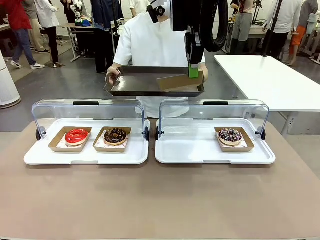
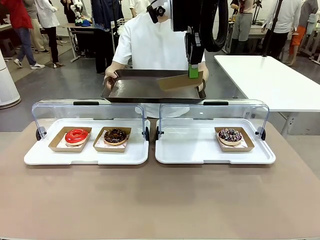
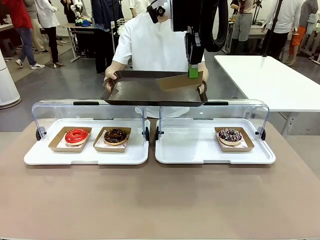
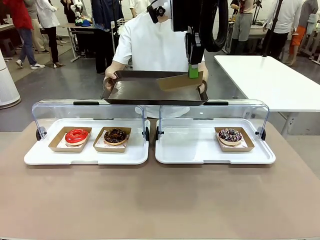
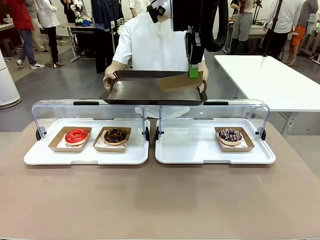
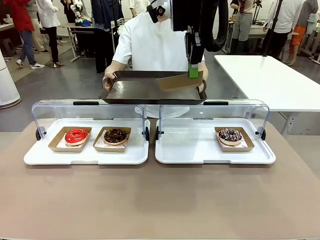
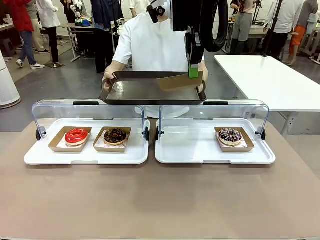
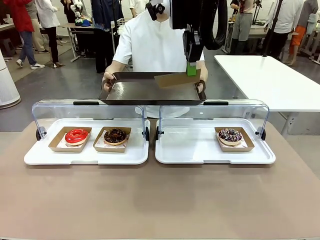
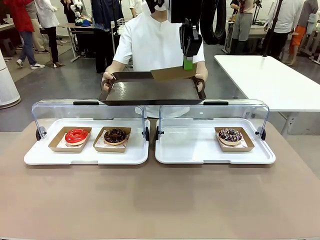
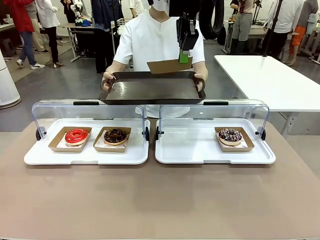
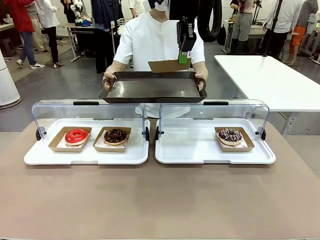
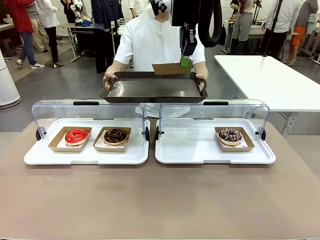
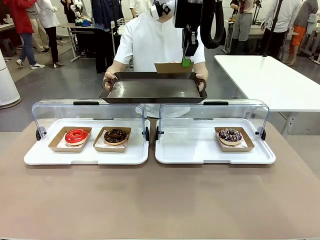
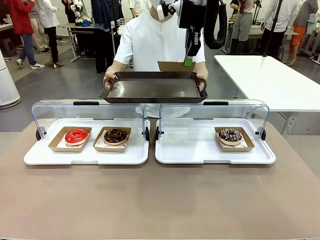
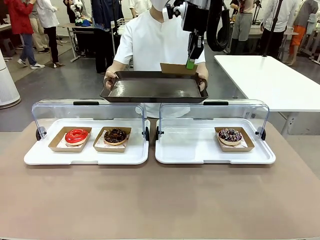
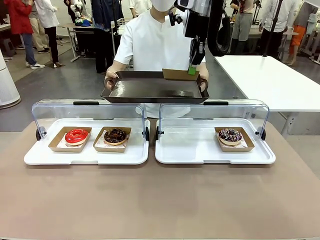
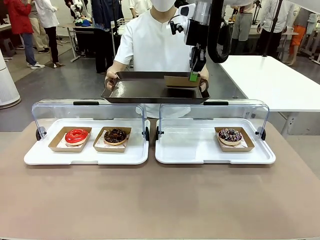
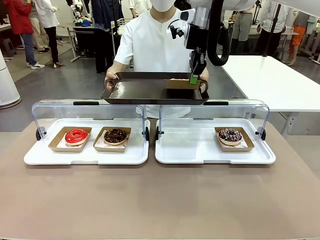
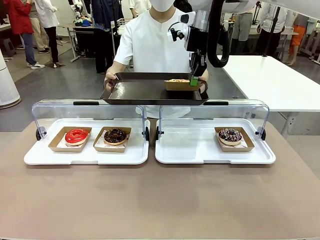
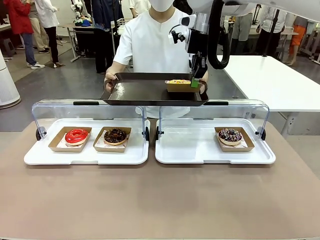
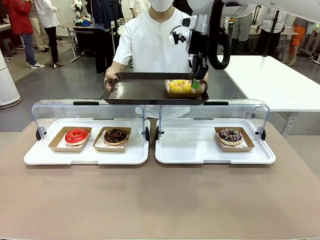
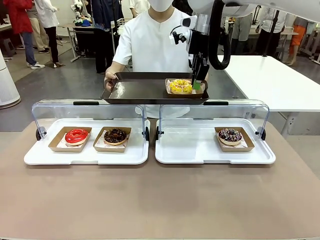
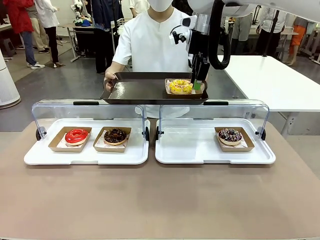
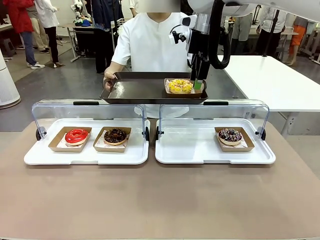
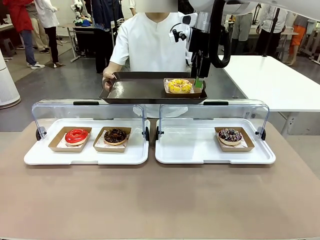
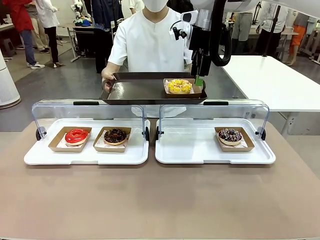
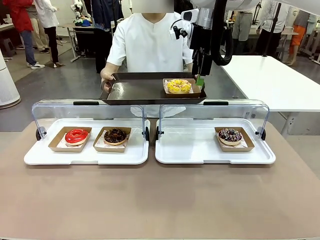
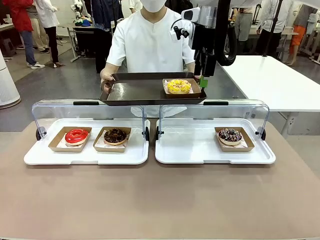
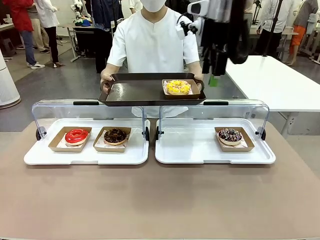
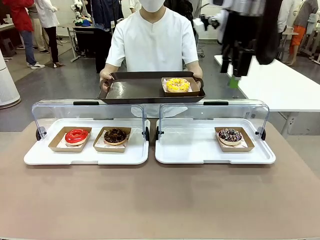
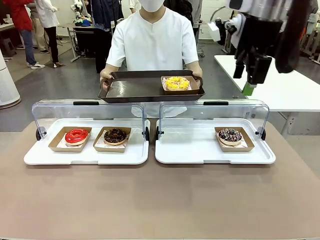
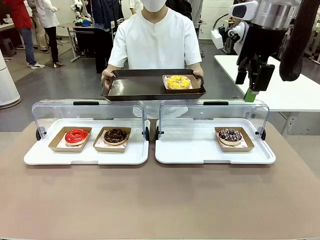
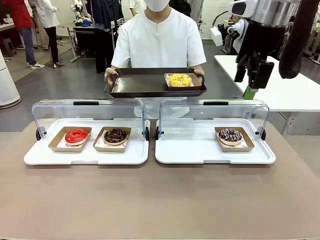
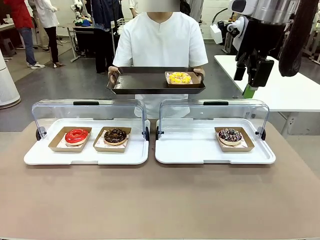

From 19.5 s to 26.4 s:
Task: Provide the desired donut to the person.
Robot: Place the picked Paper togo box onto the Handle tray extended by the person.

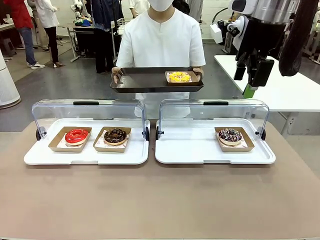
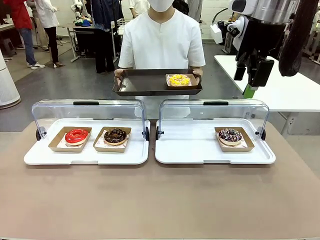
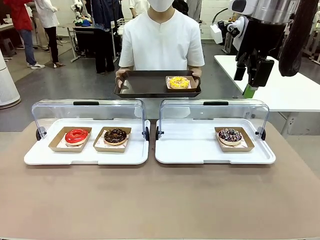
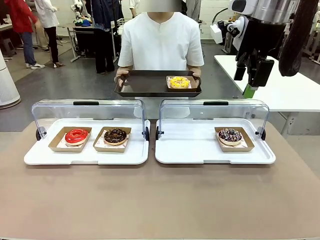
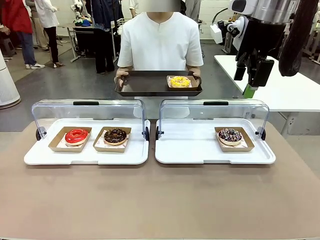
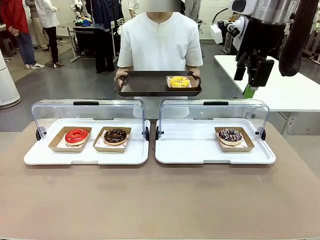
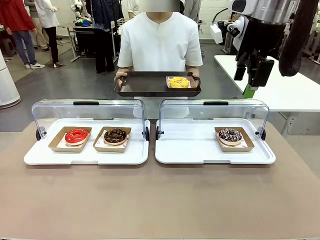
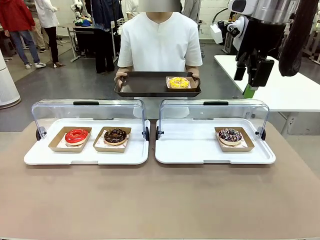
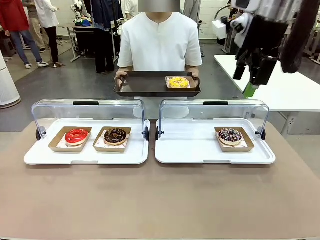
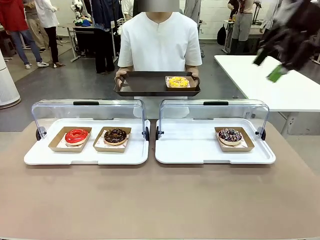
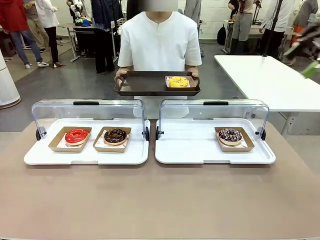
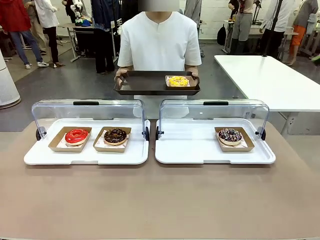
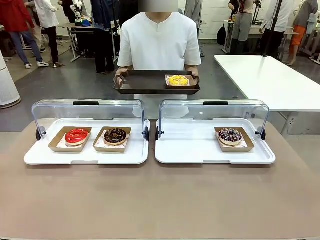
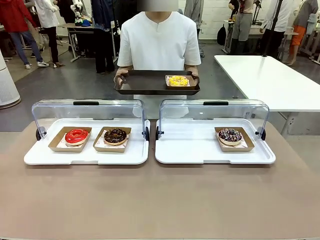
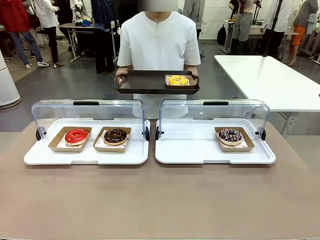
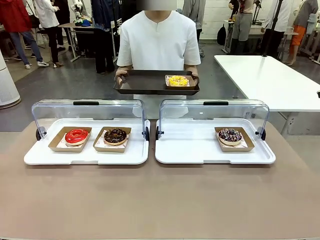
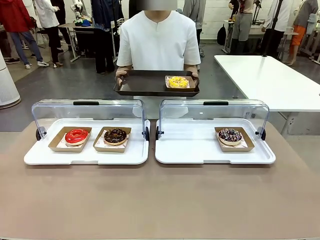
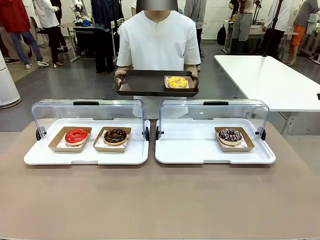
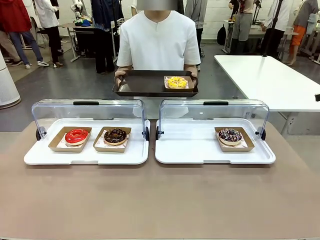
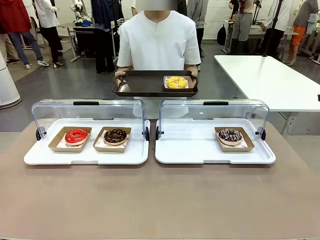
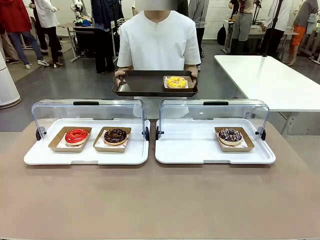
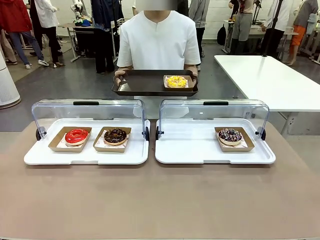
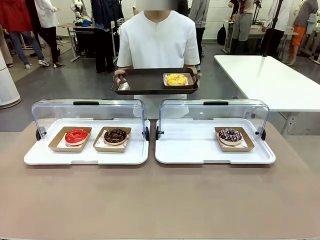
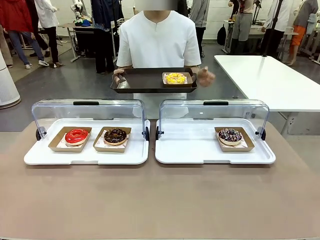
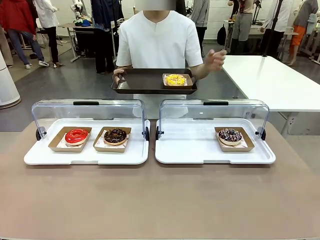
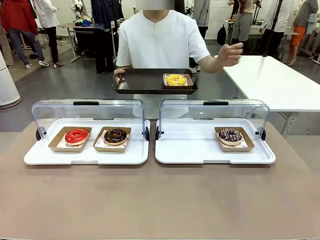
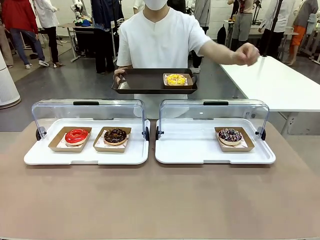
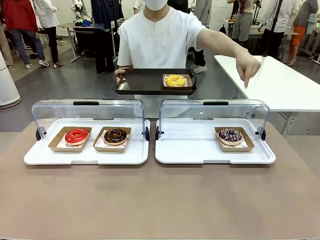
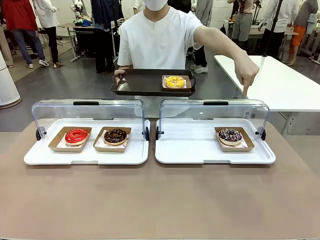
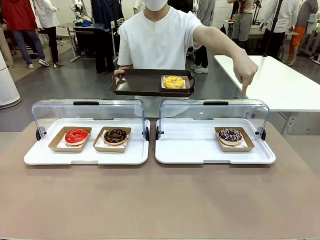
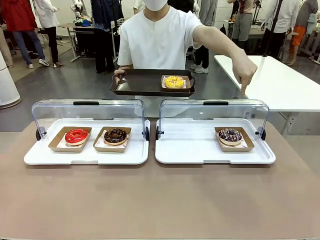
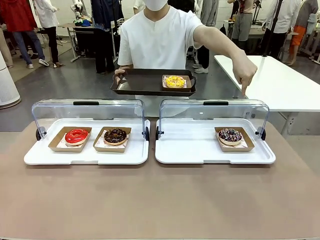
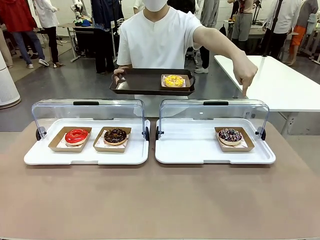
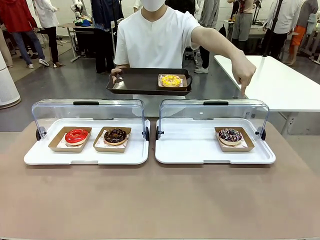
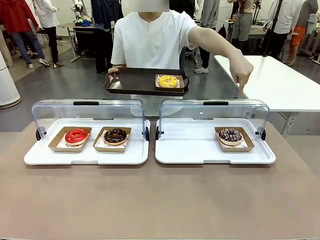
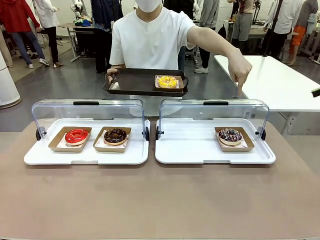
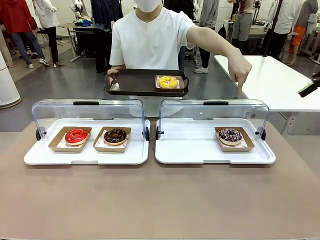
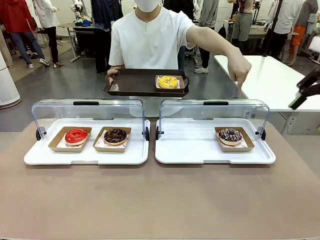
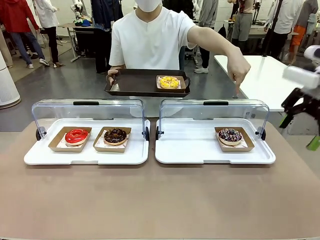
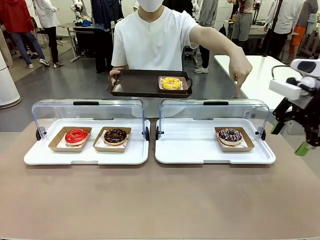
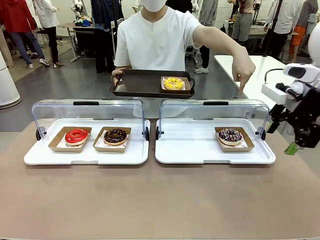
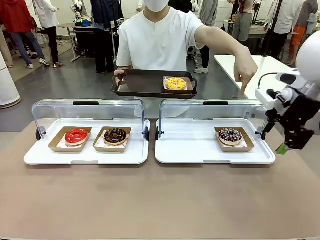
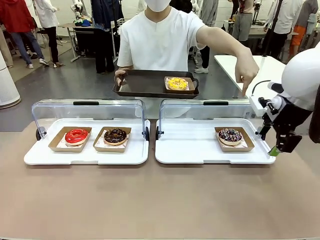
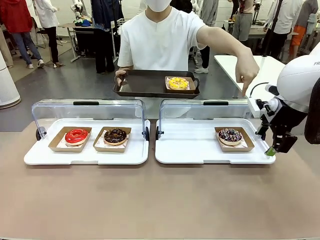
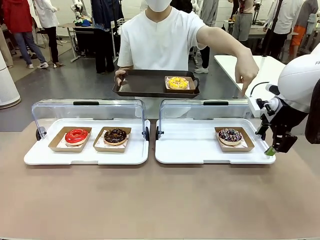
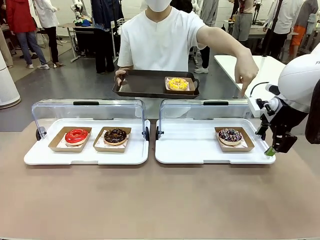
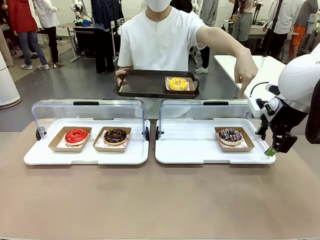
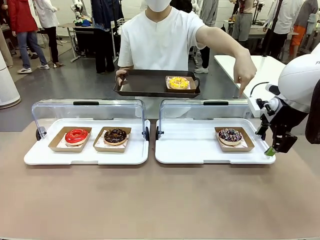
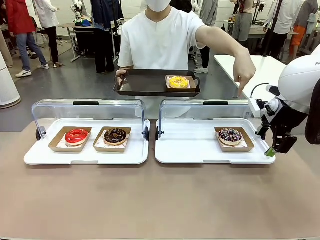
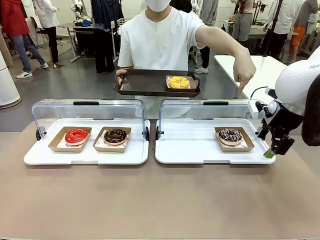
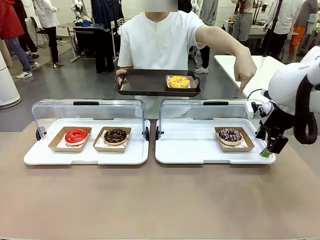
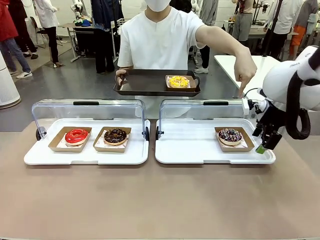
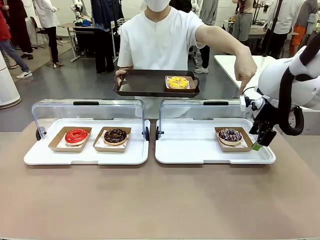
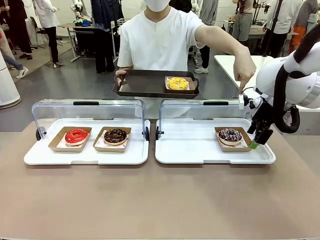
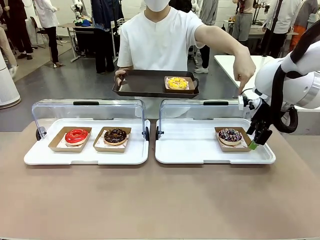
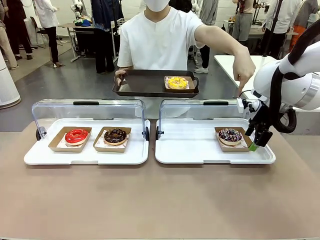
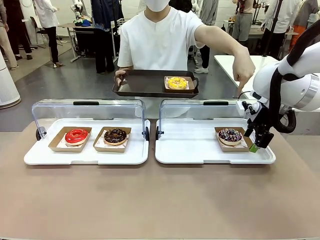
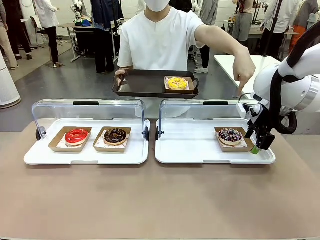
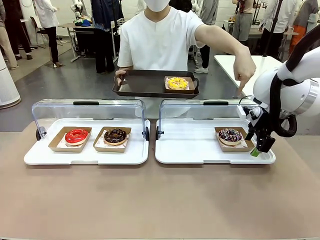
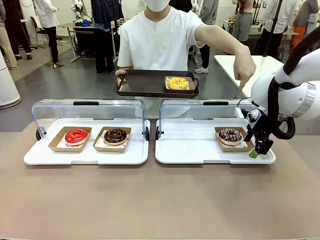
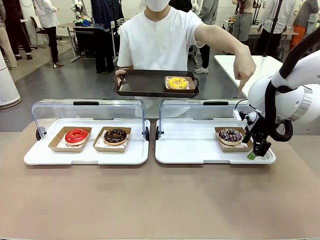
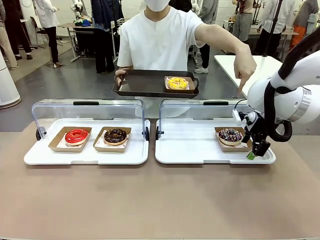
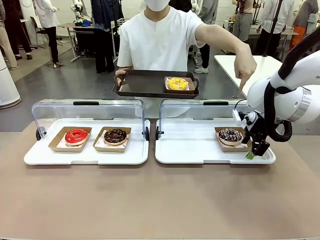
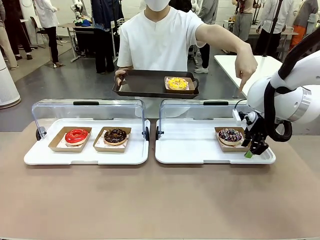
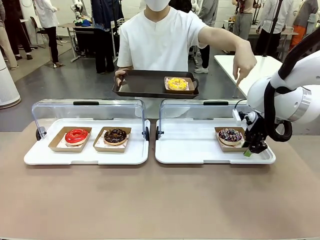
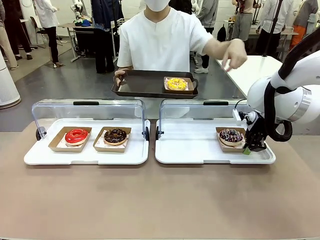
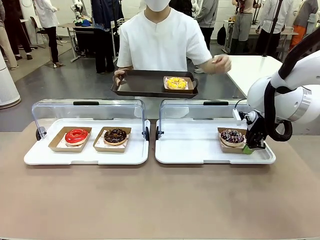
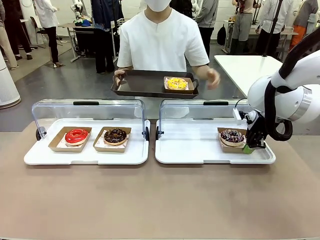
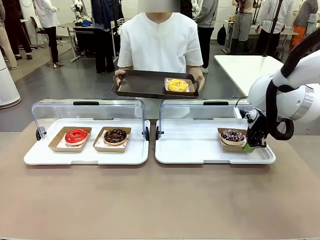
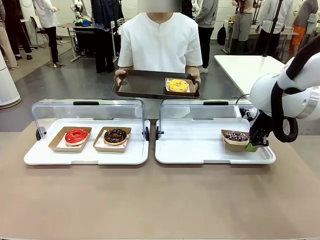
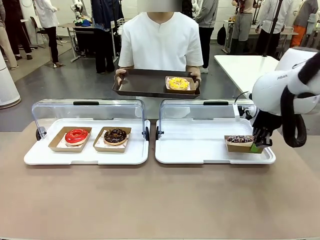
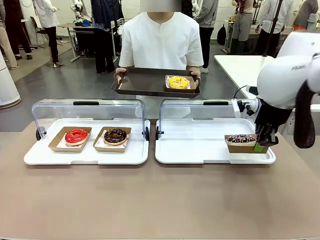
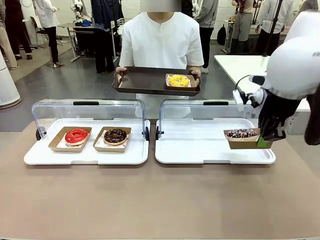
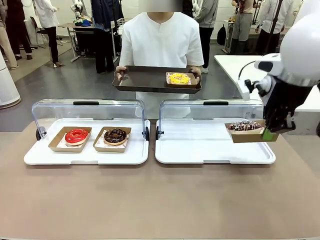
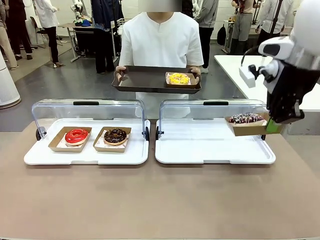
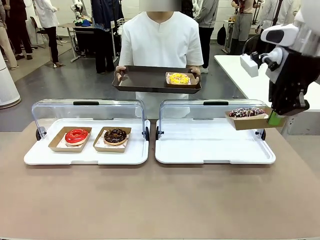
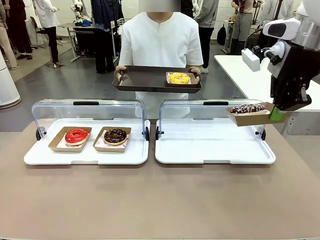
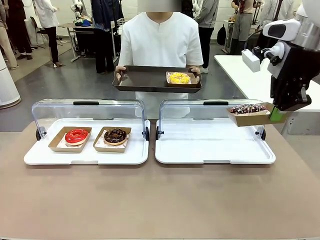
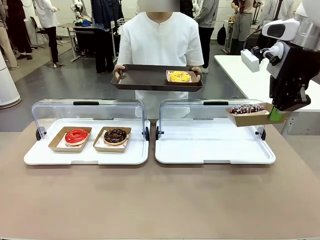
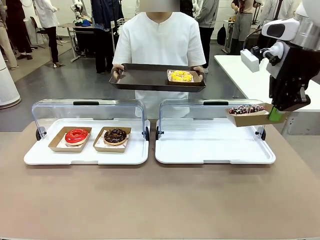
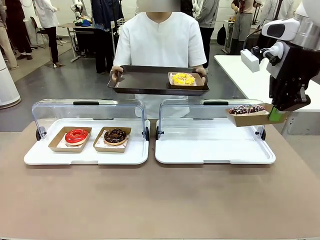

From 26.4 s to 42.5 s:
Robot: Pick up and lift the Paper togo box containing the Donut pointed at by the person.
Person: Point to one donut. Lift the tray onto the Roll-Top Bakery Case.
